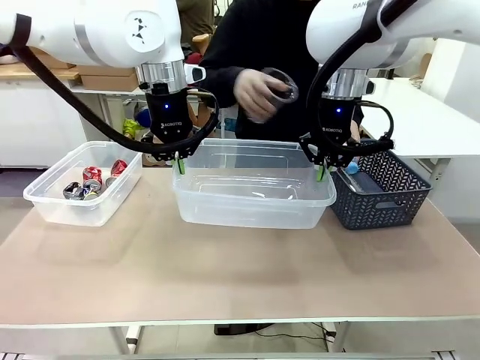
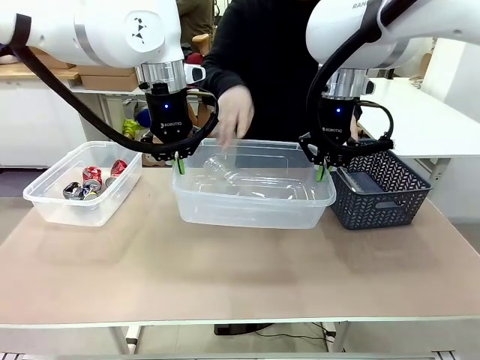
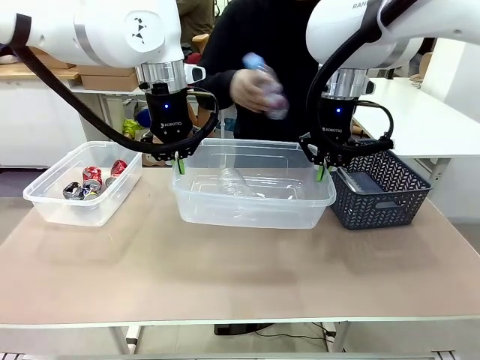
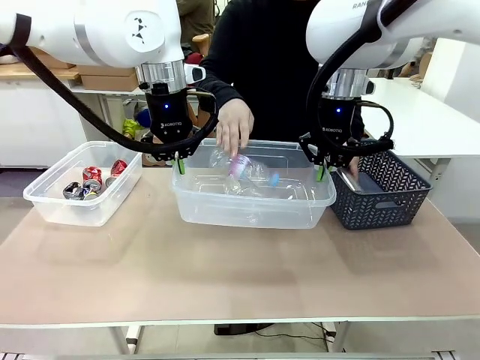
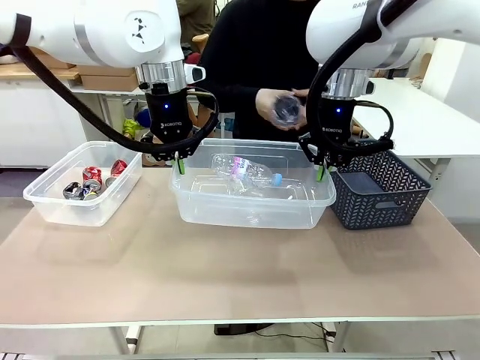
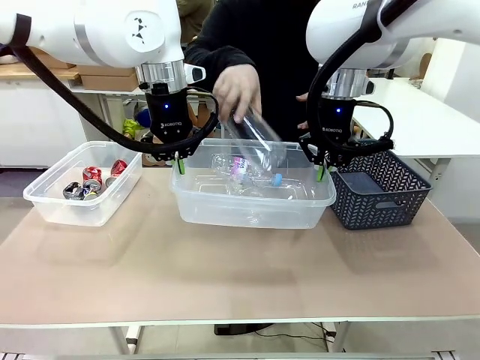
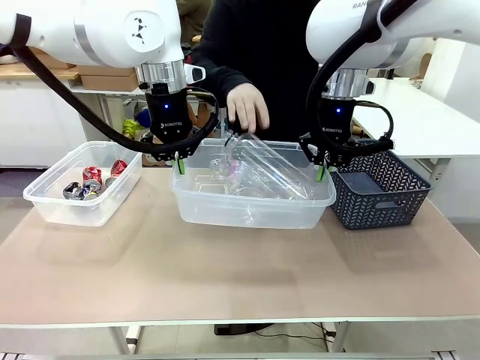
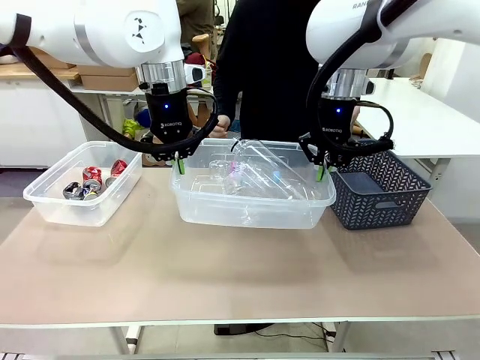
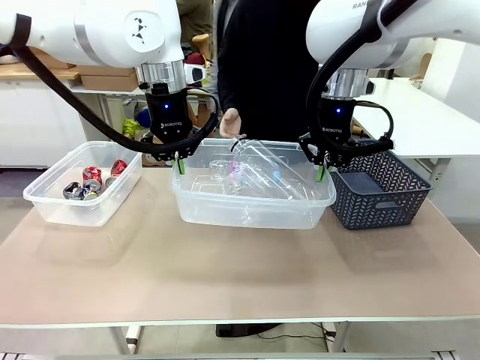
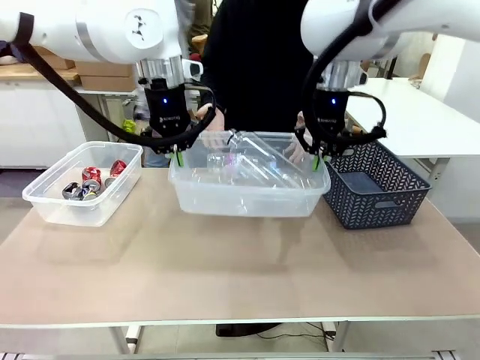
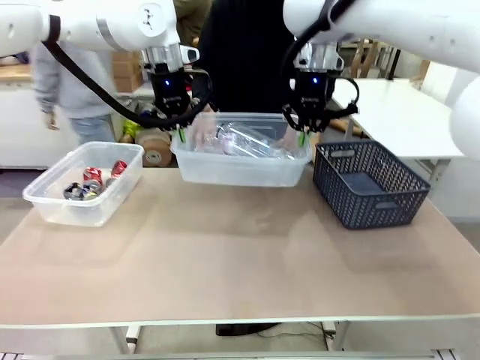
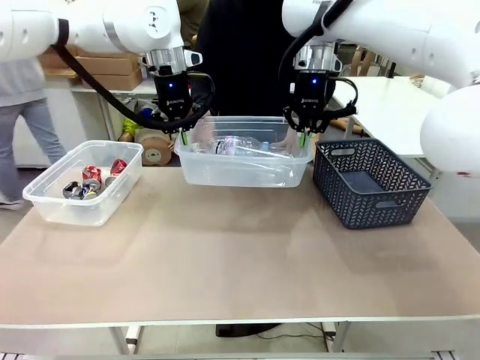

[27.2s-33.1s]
Robot: Offer the picked Organizing box to the human.

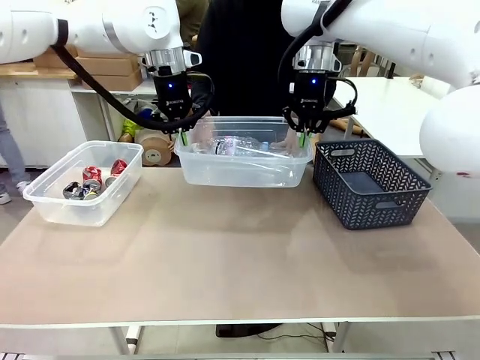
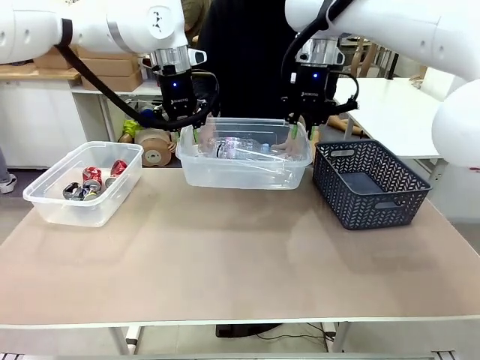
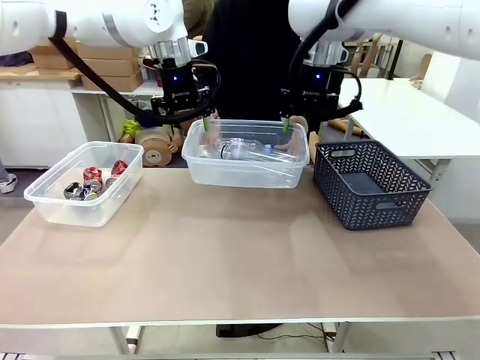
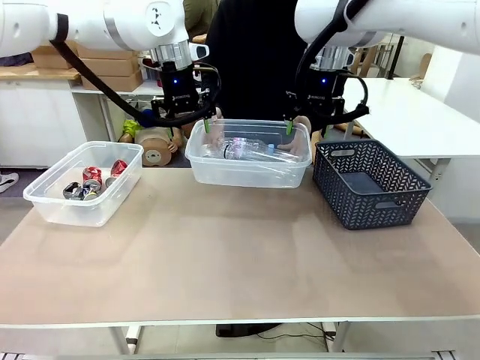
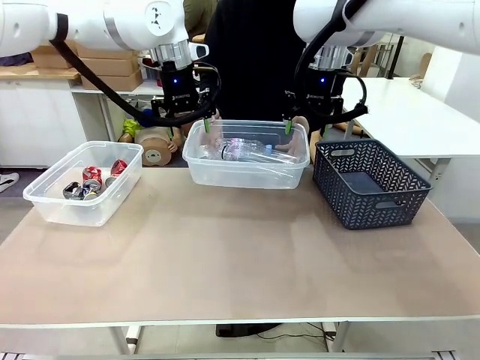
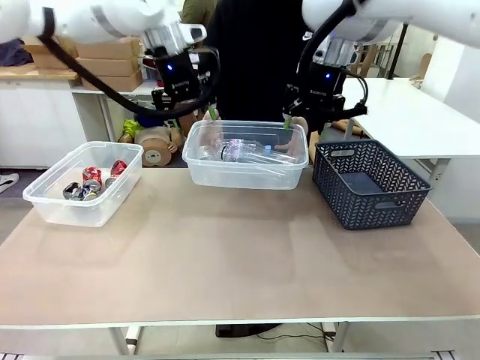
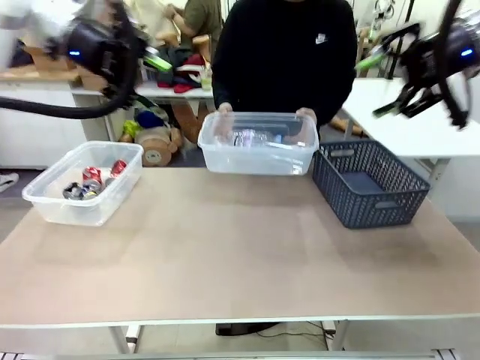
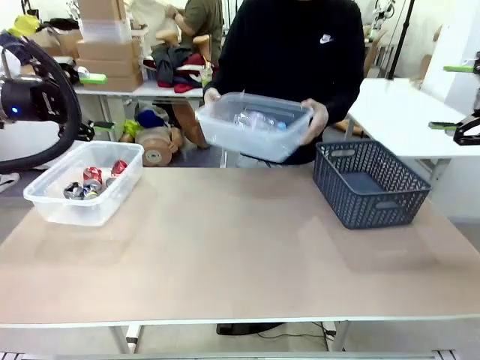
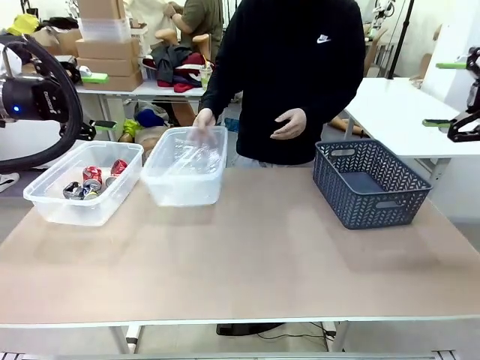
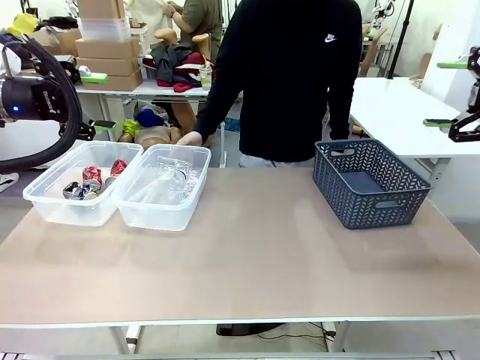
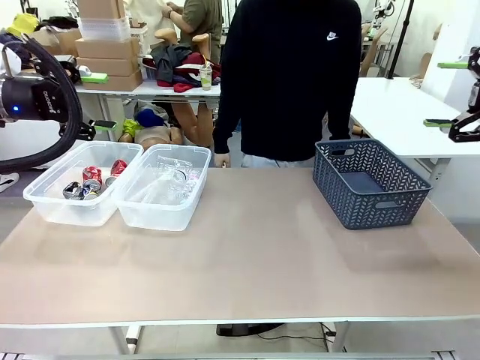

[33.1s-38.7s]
Robot: Release the Organizing box you were holding.
Person: Pick up the organizing box extended by the robot. Place the organizing box to the left of the sorting box containing the can waste.

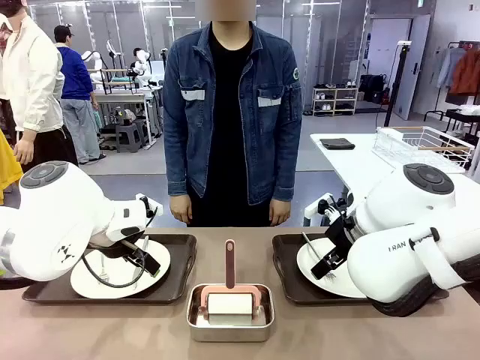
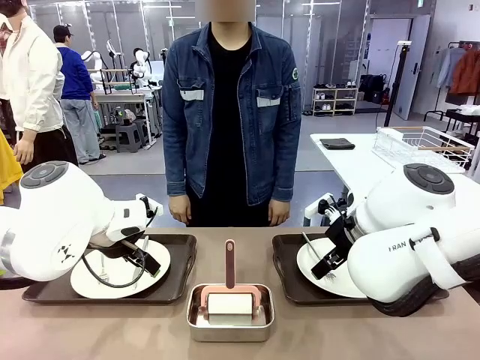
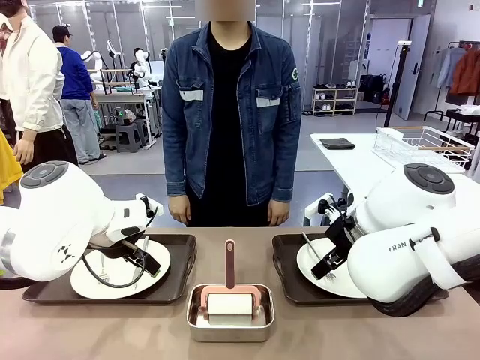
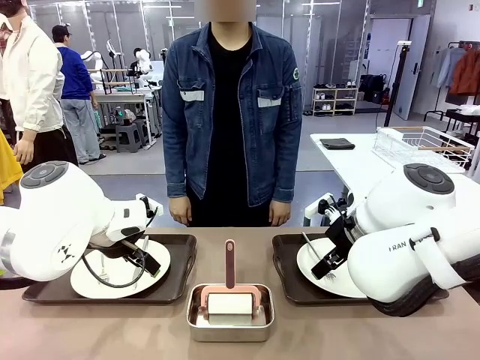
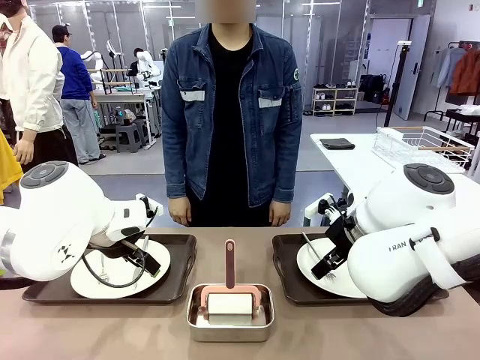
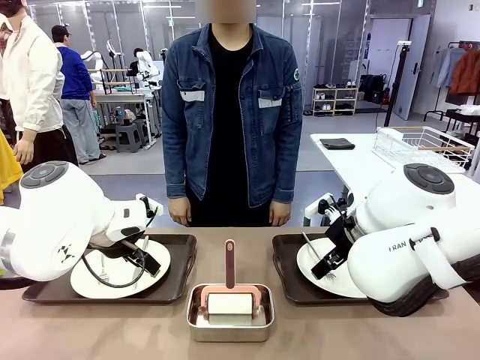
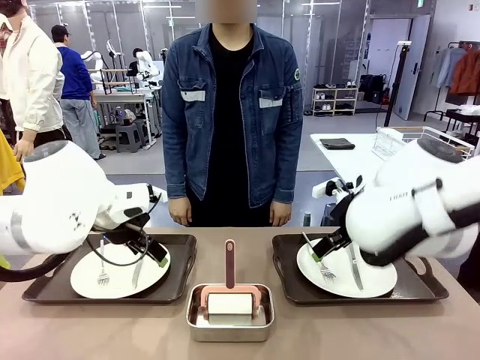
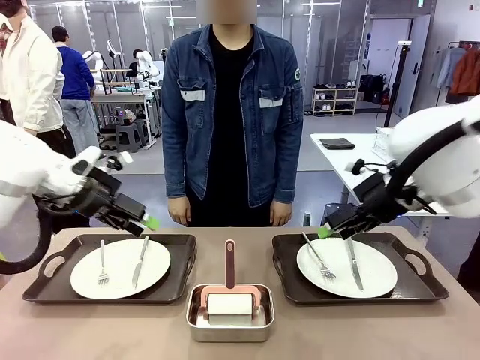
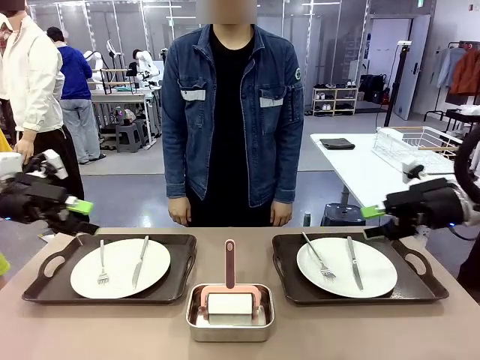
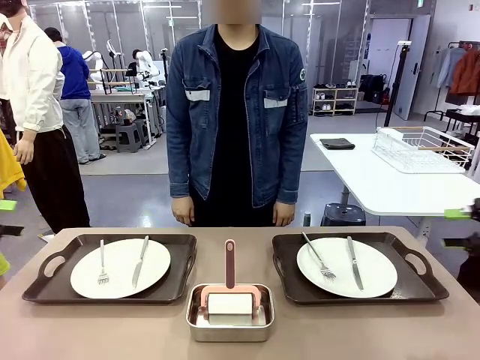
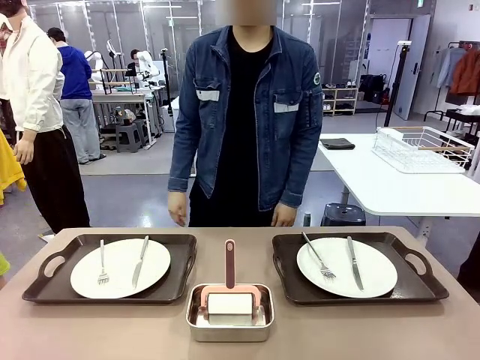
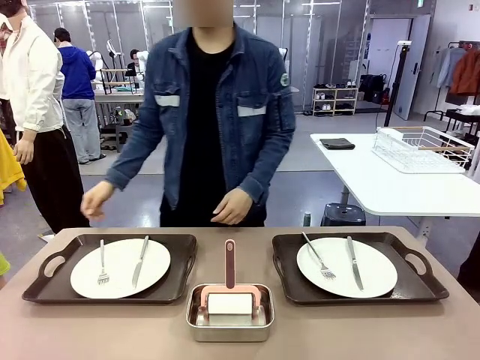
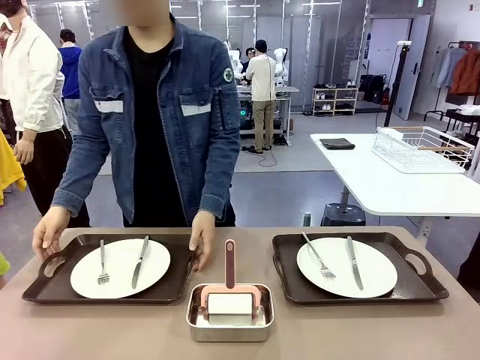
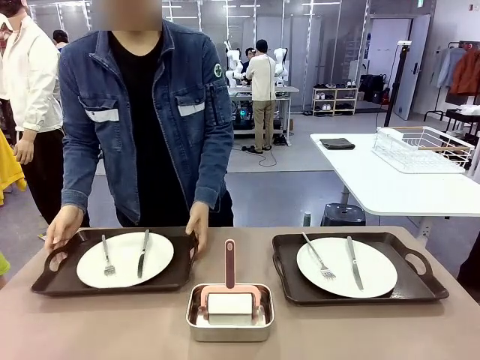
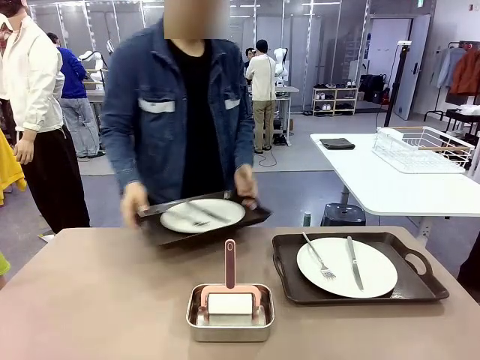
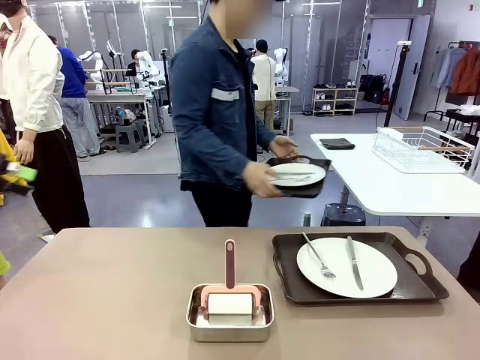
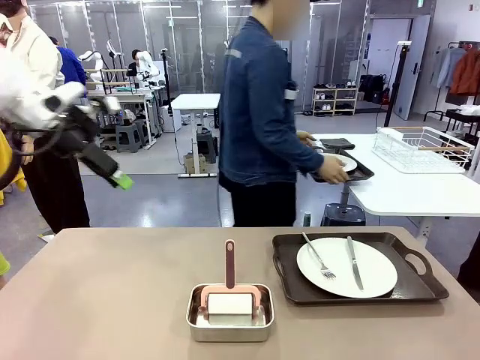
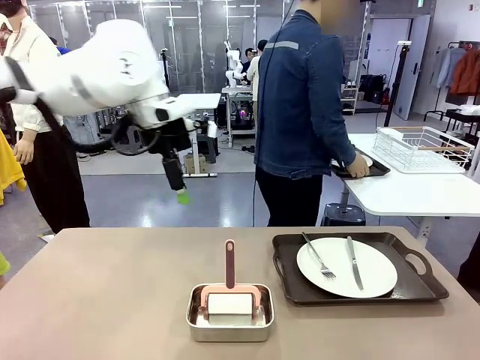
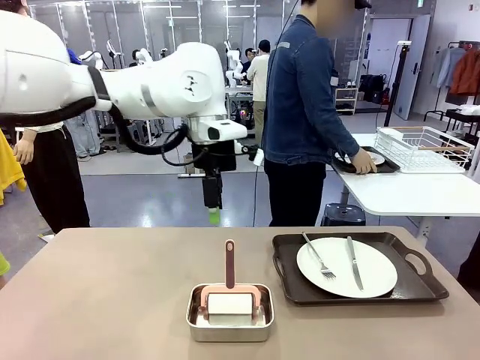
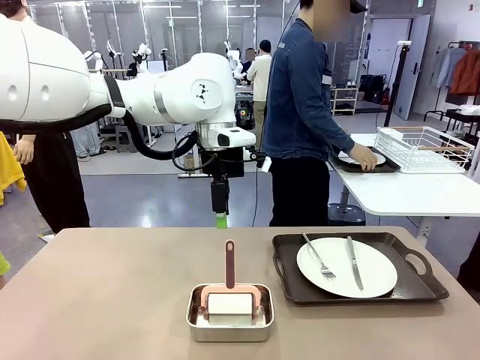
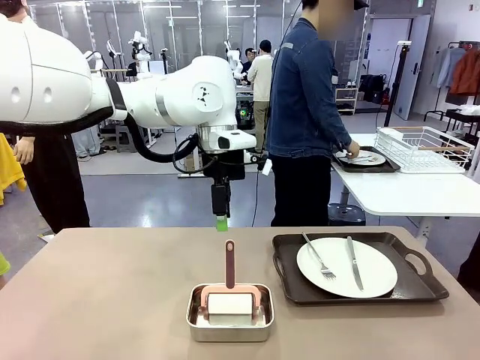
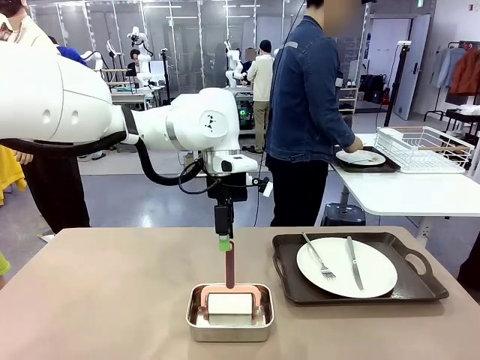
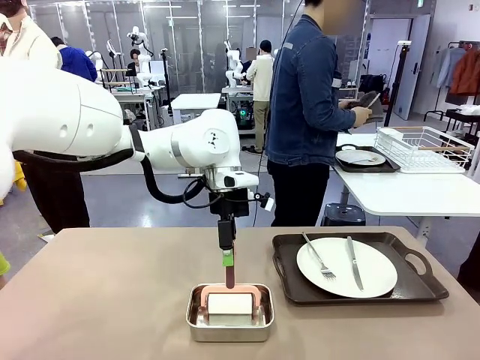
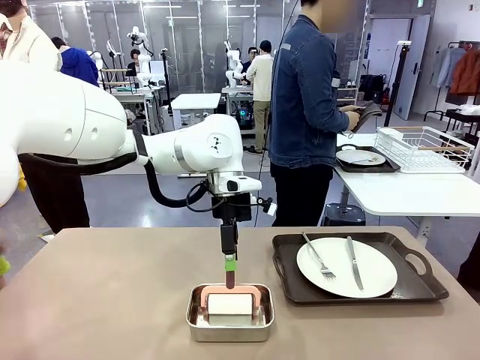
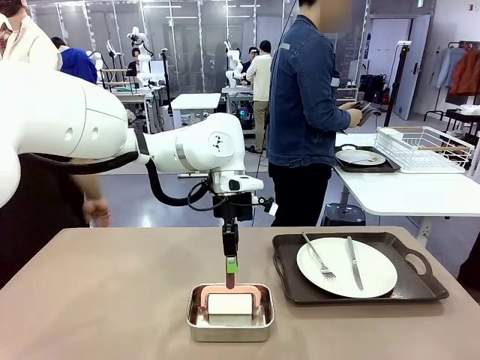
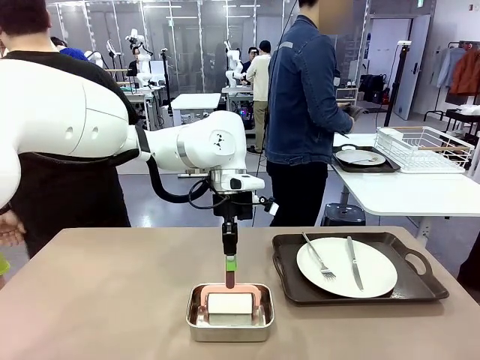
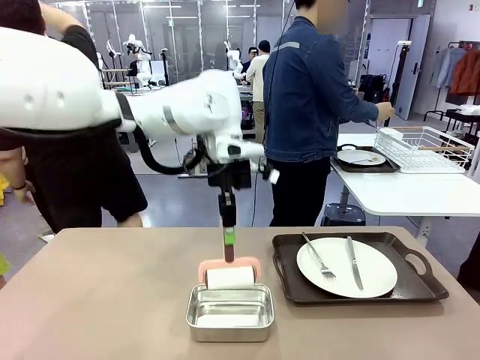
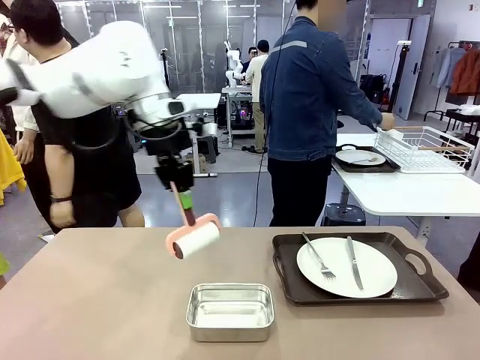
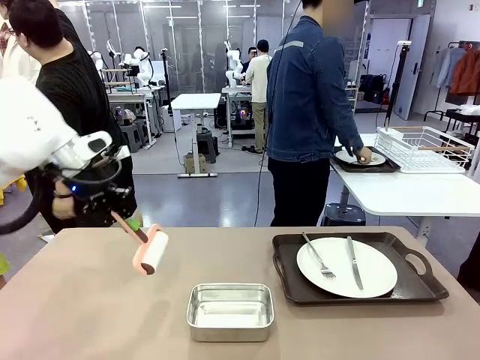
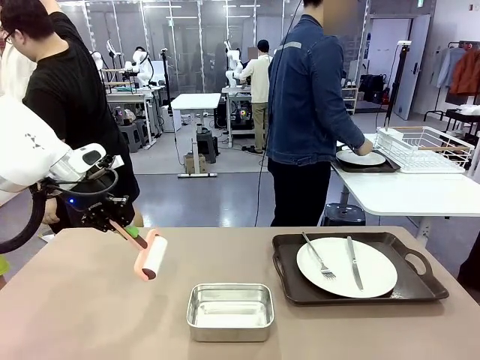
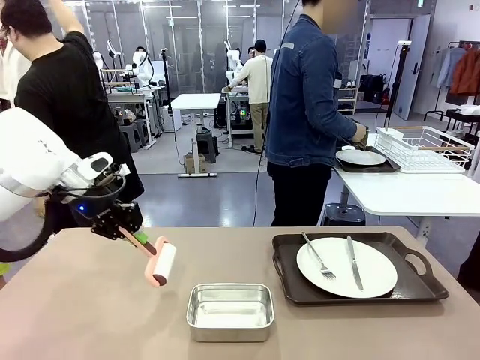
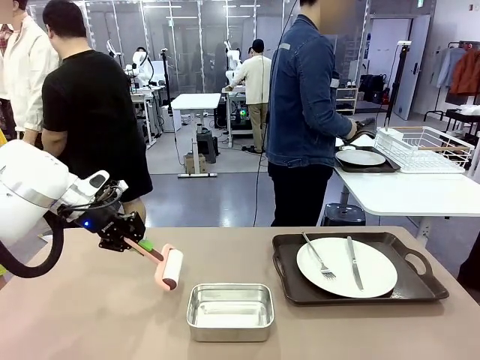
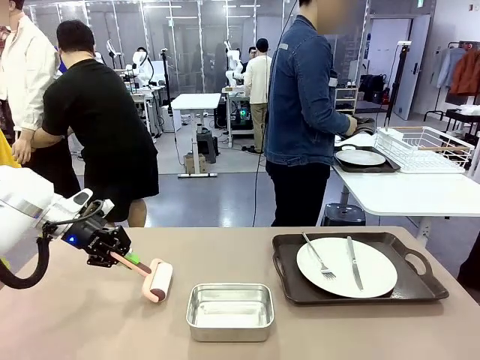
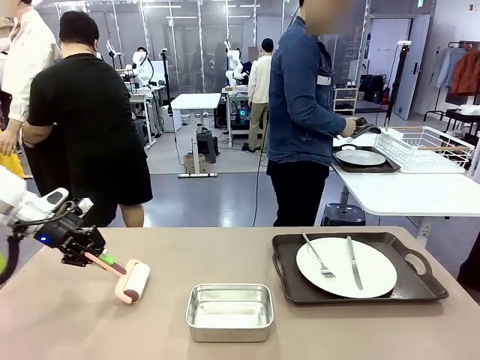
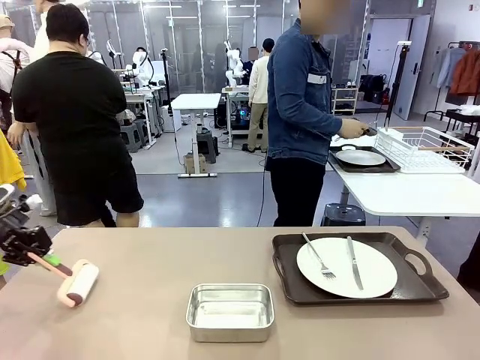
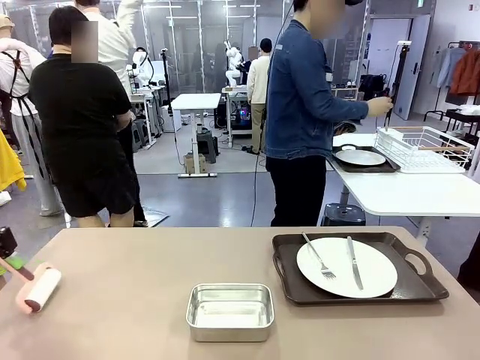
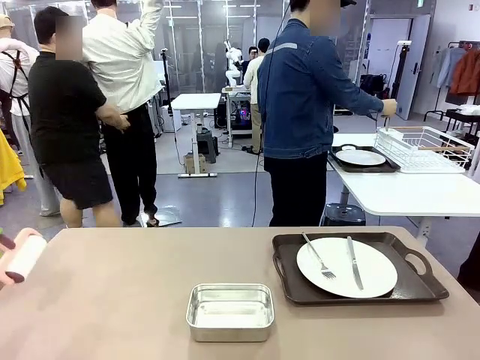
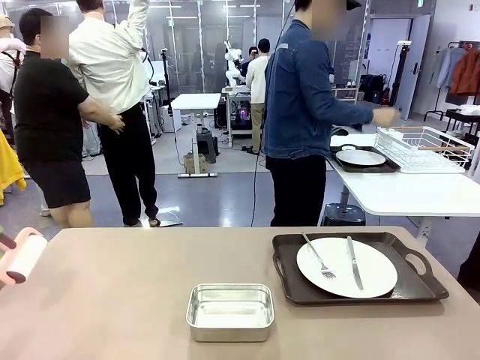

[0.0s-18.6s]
Robot: When the left (or right) Handle tray is removed, use the left hand (or right hand) to clean the left (or right) side of the table with the Lint Roller.
Person: Pick up the left (or right) Handle tray and place it on the middle of the Human's table. Use the Towel with hook to wipe the Plastic Matte Plate , Fork , and Knife and place into the Dish drying rack.
